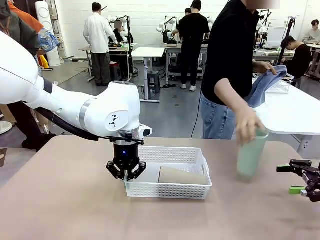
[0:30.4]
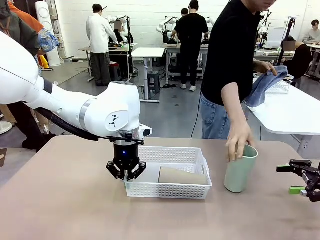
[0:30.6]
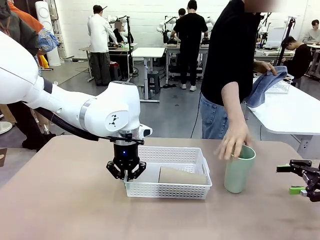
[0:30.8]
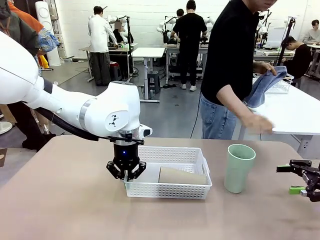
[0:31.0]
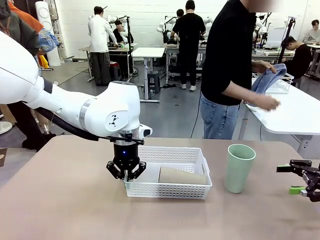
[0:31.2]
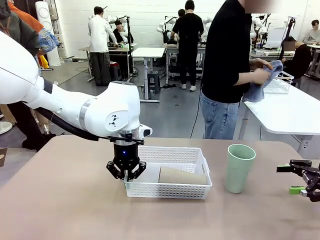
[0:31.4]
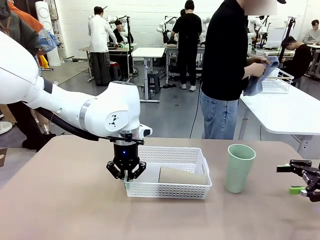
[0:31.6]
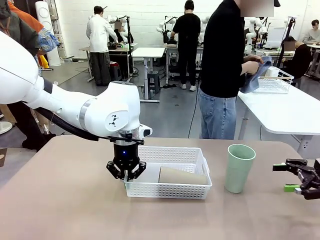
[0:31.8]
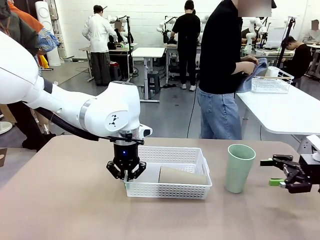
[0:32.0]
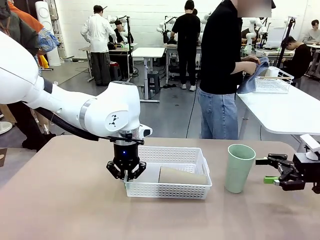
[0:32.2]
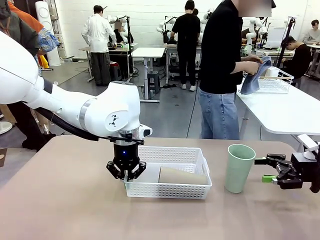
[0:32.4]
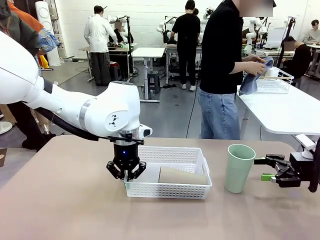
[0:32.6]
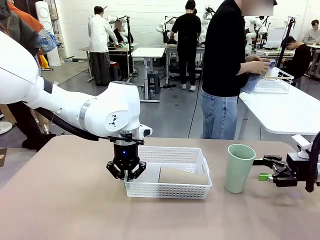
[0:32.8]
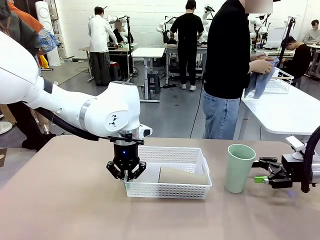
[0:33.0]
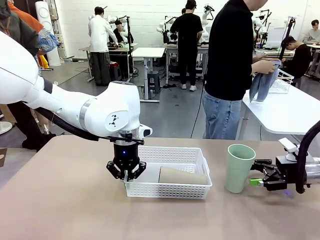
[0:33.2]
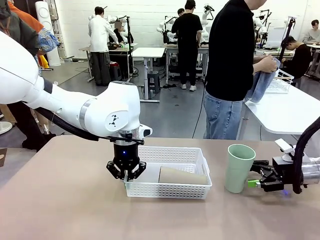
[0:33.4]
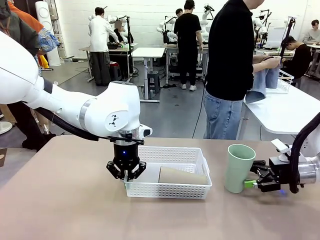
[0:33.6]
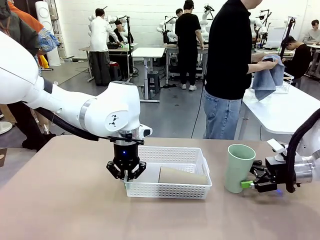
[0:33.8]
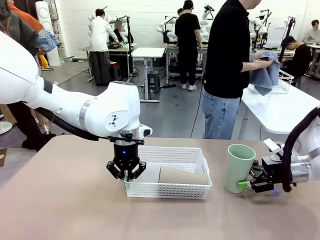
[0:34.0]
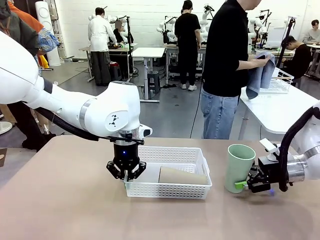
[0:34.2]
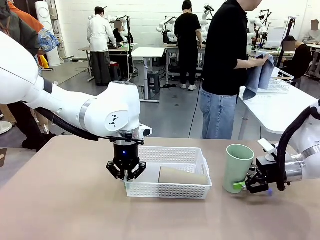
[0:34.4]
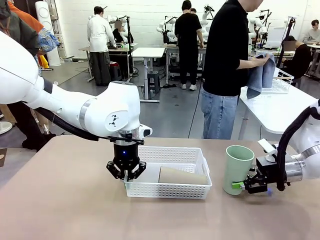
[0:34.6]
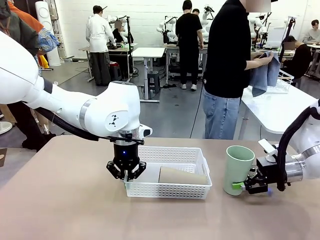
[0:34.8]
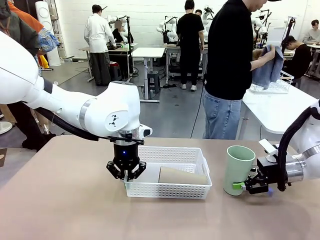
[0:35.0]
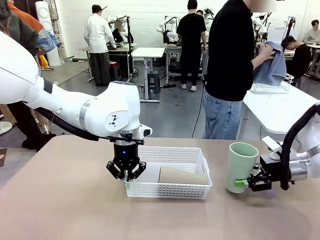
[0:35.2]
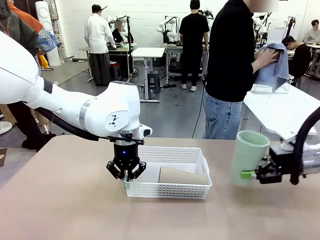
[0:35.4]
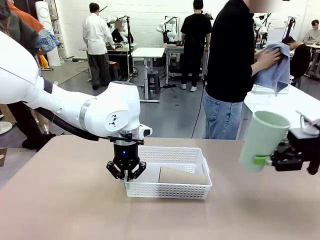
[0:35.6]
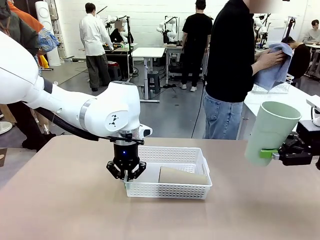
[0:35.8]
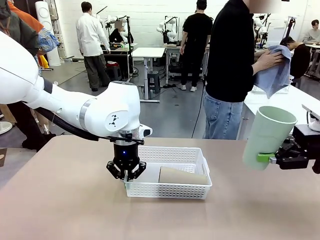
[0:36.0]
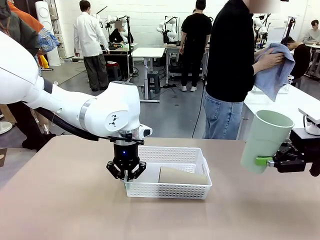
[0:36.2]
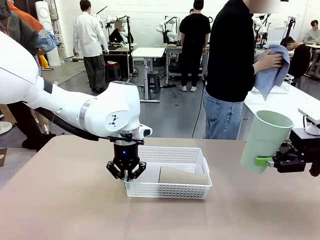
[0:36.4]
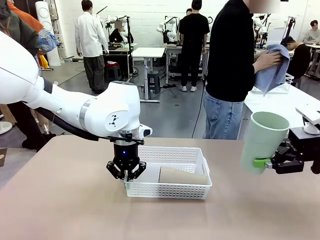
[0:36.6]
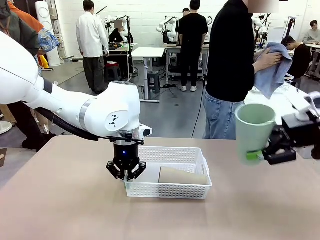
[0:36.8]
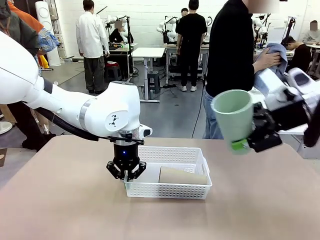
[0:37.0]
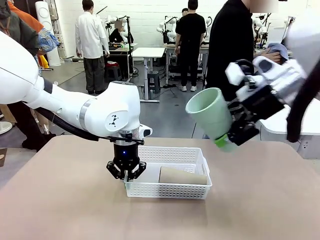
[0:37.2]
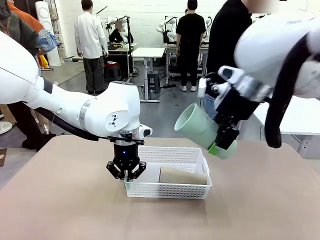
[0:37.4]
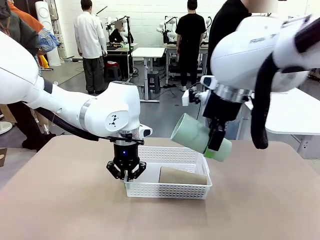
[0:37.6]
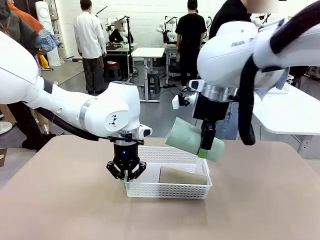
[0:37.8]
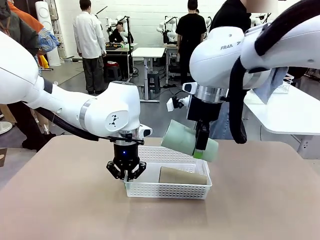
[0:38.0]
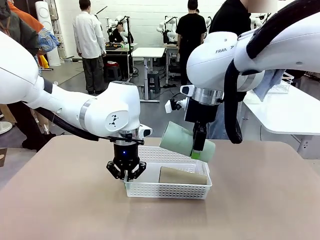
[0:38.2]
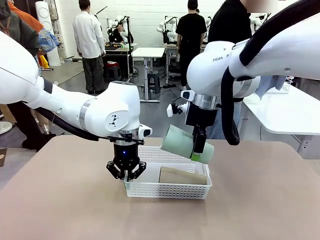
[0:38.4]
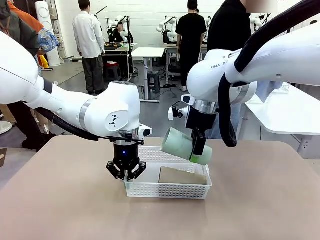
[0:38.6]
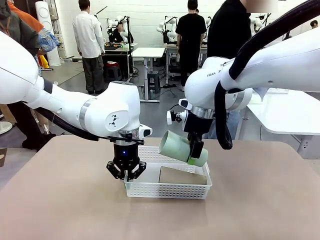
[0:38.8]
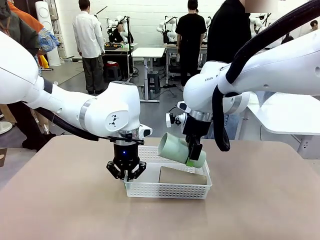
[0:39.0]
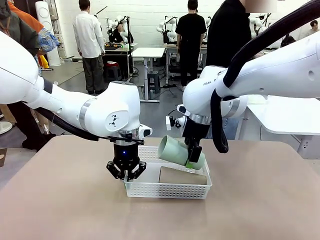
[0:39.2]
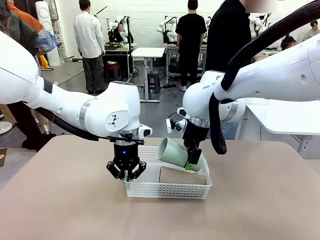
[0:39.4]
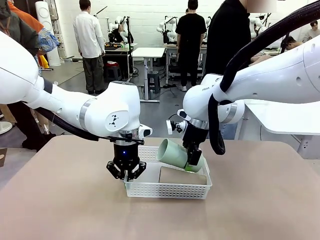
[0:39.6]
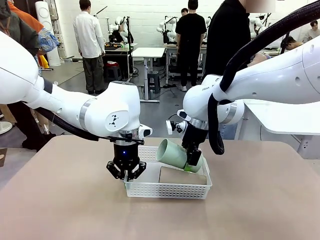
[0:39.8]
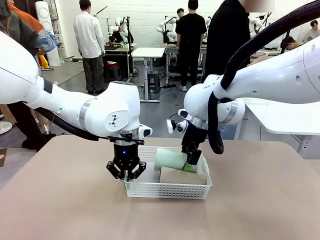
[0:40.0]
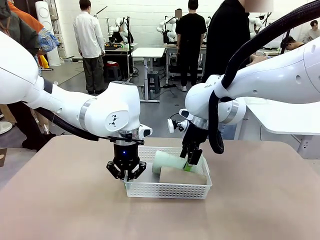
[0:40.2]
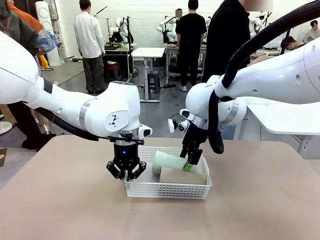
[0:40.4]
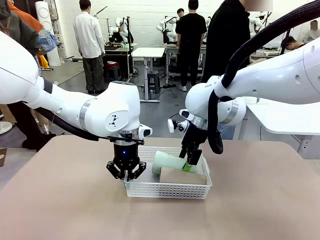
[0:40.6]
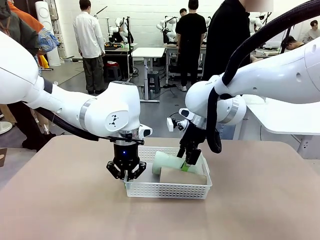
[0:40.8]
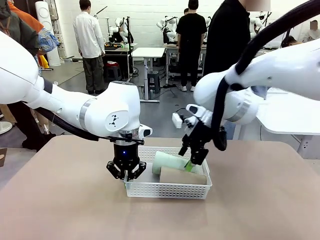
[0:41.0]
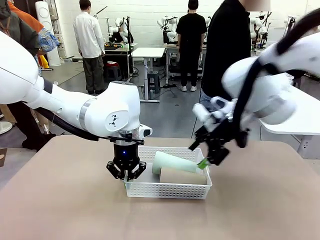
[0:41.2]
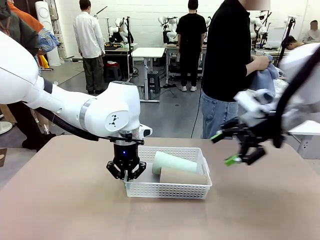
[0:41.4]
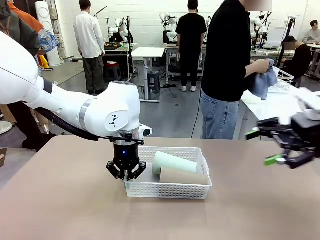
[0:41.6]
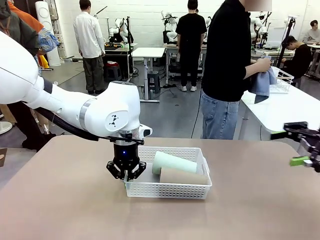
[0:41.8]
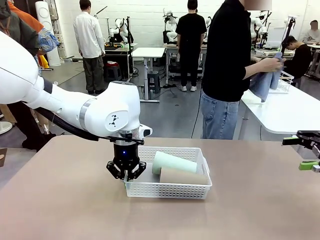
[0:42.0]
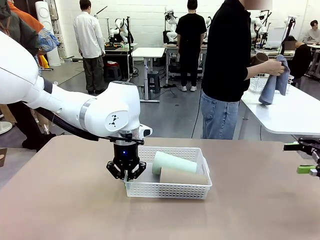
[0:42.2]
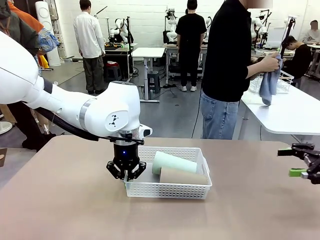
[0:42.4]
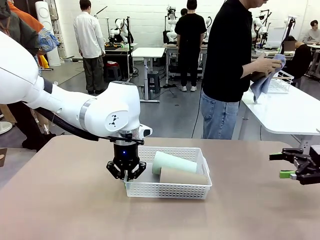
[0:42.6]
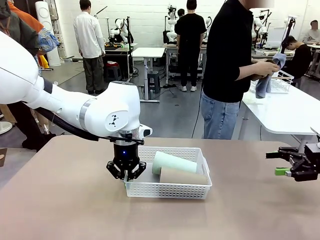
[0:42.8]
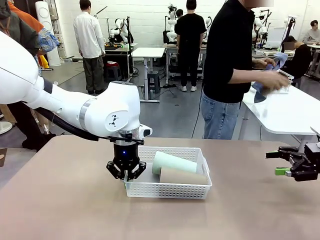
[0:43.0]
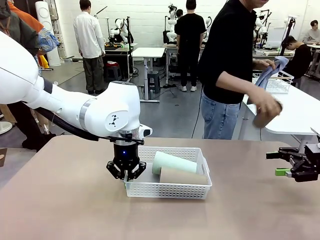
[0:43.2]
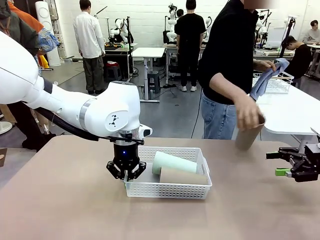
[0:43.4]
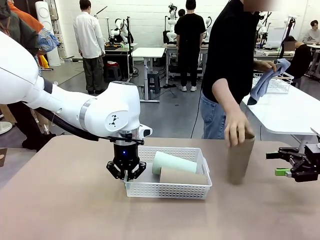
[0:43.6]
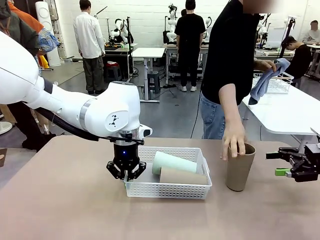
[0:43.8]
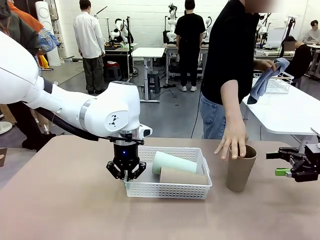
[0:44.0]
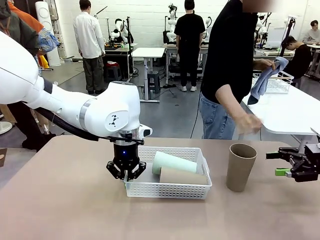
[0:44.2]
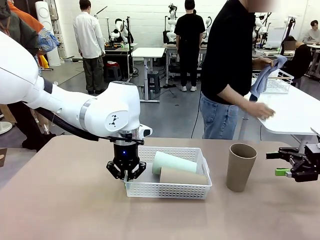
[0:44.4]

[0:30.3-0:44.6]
Task: Clean and organize the cups into the basket.
Robot: Pick up the Reusable plastic cup from the right side of the table and stack it inside the Organizing basket in the center of the table.
